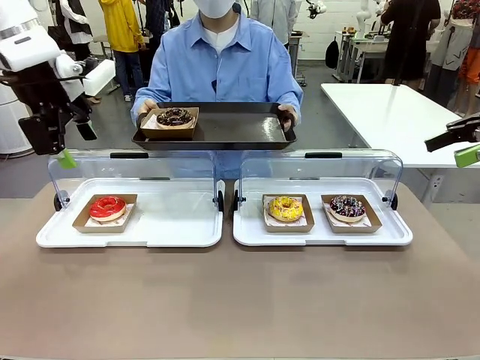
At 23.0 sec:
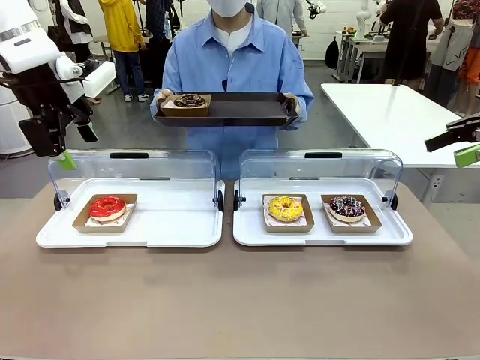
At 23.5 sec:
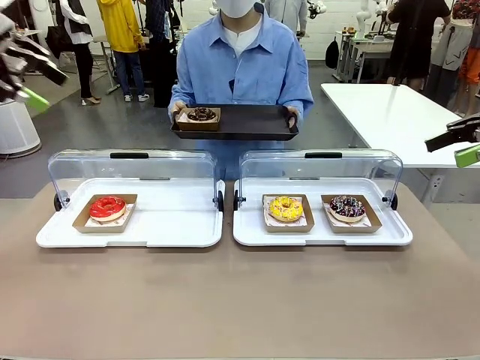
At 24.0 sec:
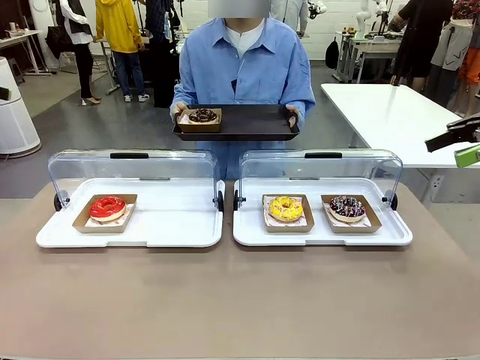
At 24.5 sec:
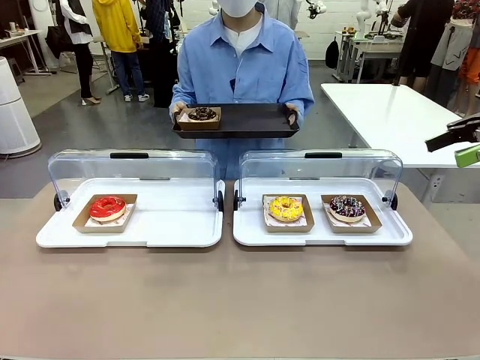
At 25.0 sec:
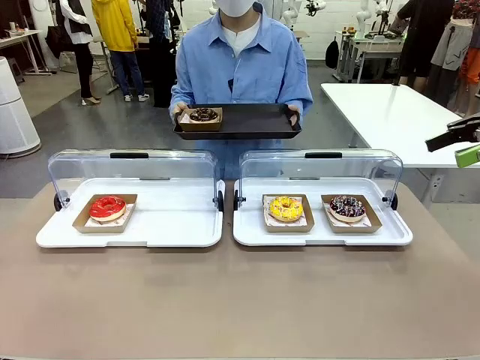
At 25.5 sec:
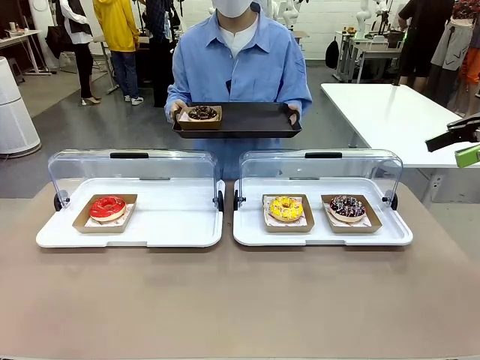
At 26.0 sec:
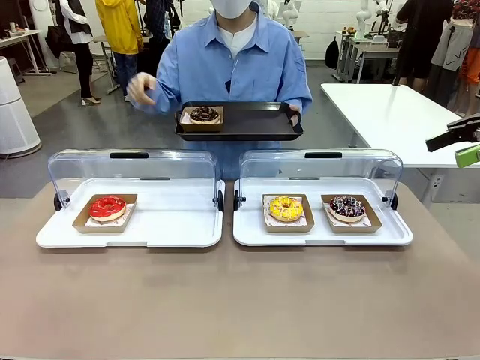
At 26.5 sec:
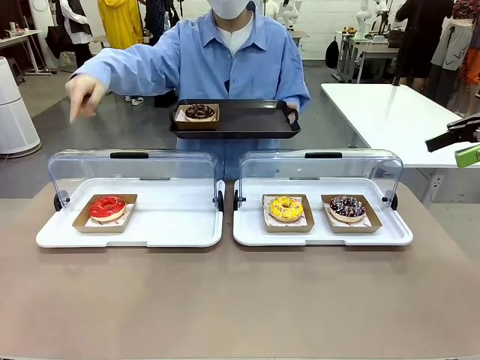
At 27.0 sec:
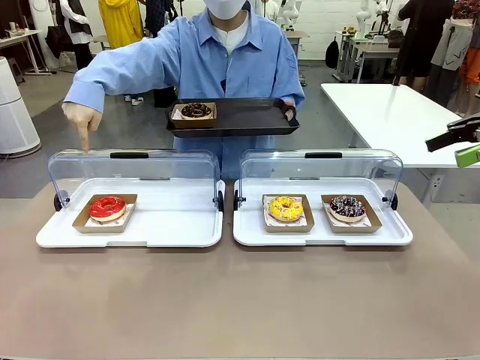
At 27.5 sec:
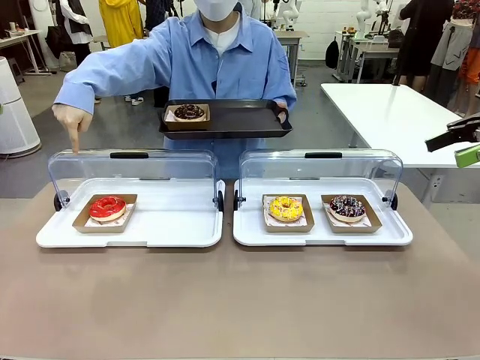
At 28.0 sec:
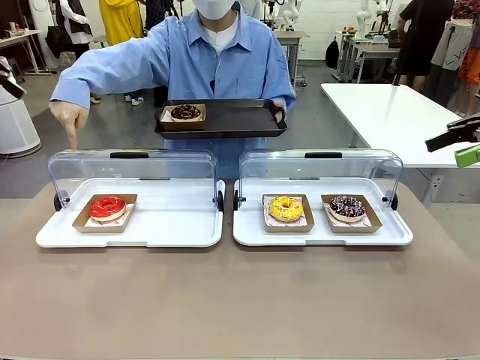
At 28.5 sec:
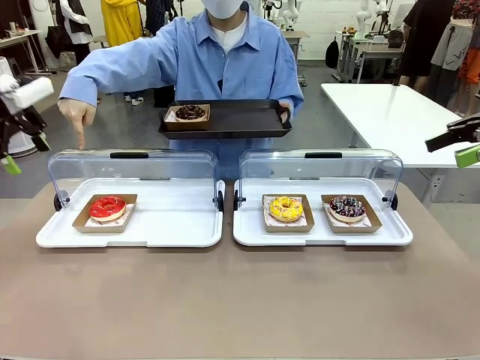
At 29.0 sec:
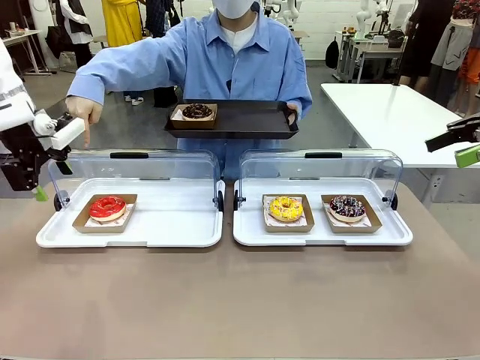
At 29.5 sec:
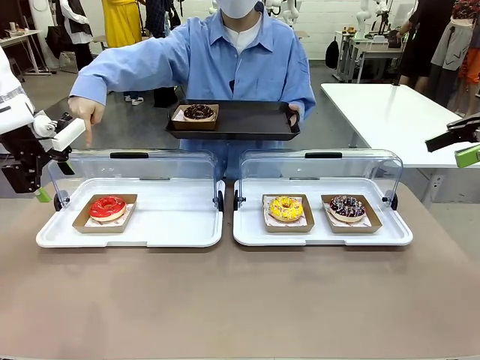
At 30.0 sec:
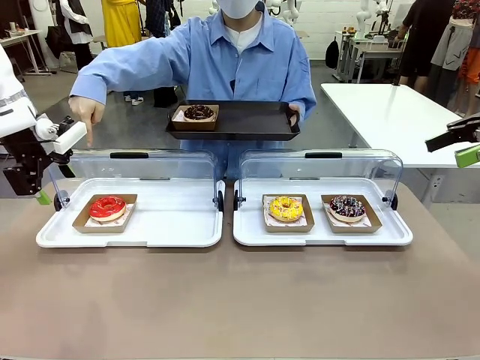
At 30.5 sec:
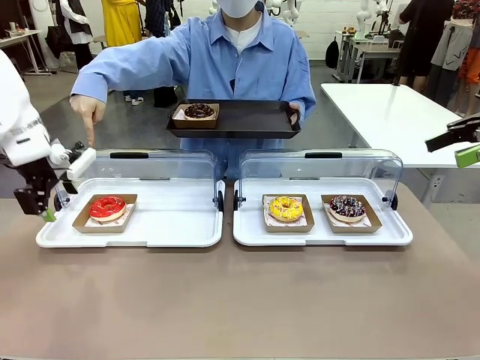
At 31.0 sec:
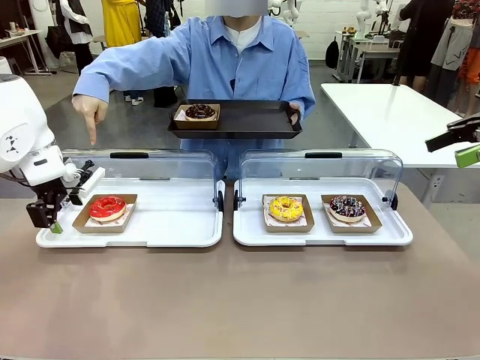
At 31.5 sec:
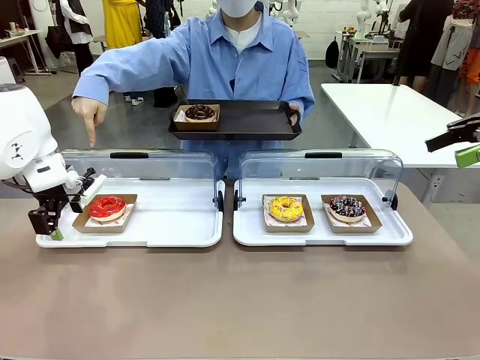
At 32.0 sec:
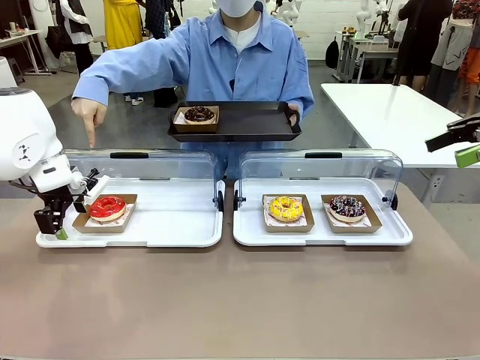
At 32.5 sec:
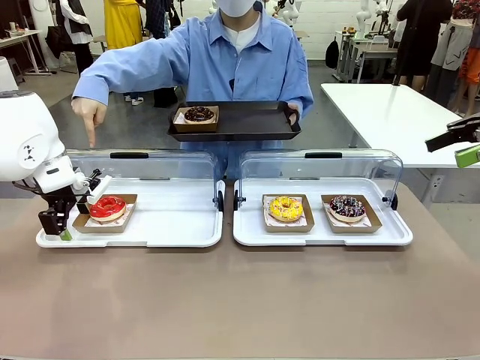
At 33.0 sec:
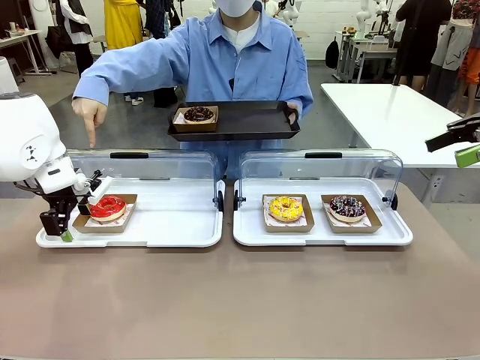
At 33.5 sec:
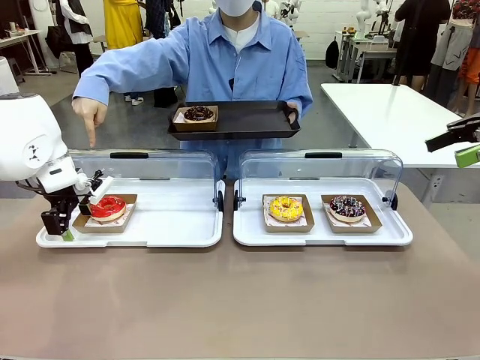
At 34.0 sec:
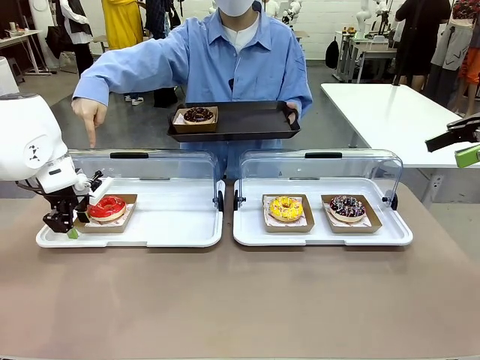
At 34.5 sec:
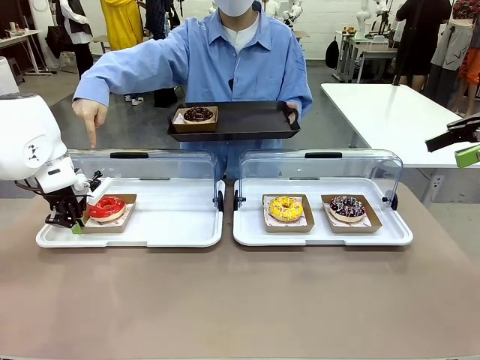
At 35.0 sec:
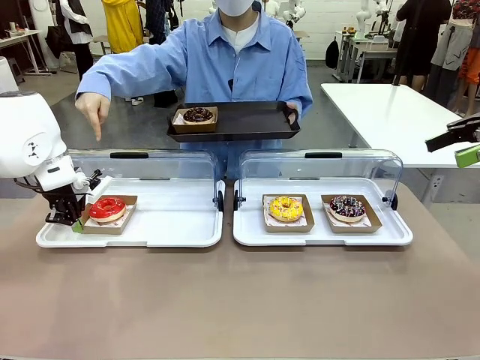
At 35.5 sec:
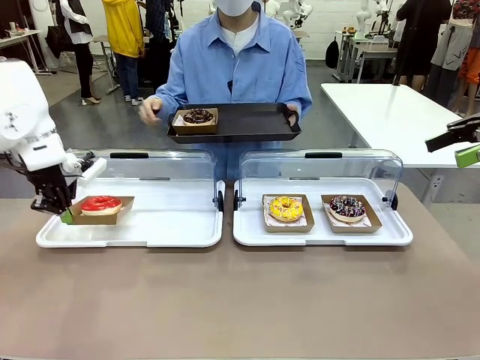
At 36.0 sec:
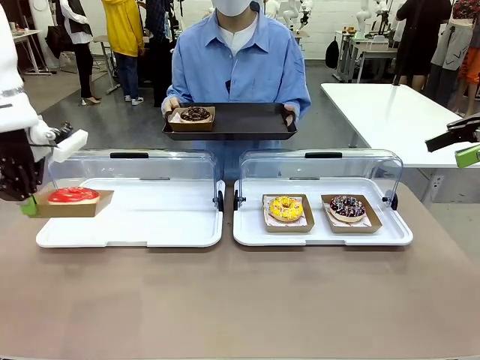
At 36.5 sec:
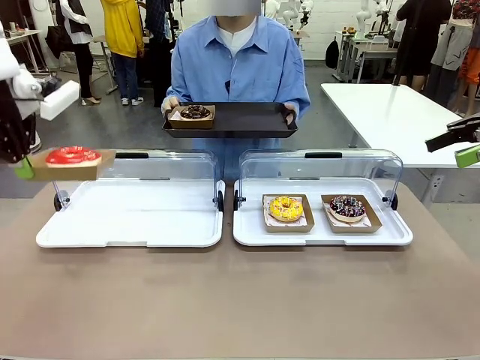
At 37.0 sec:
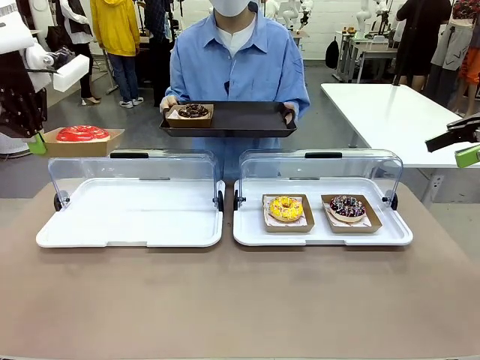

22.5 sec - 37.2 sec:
Task: Provide the desired donut to the person.
Robot: Pick up and lift the Paper togo box containing the Donut pointed at by the person.
Person: Point to one donut. Lift the tray onto the Roll-Top Bakery Case.

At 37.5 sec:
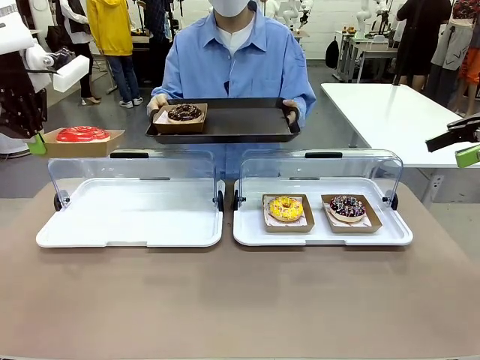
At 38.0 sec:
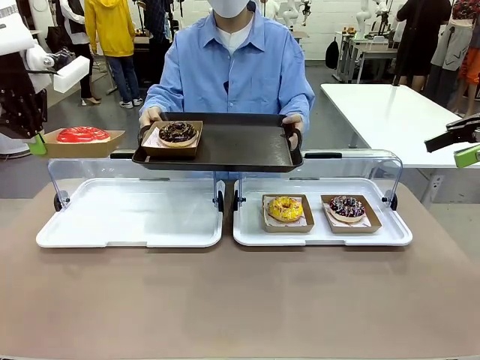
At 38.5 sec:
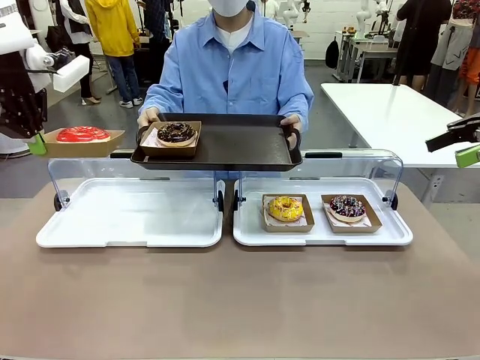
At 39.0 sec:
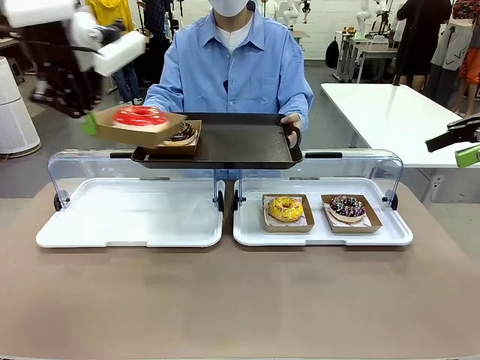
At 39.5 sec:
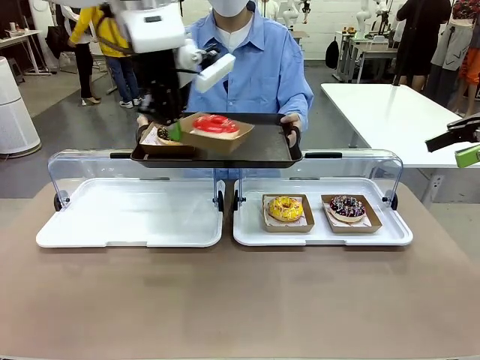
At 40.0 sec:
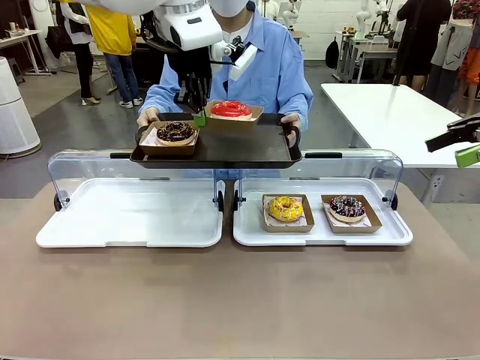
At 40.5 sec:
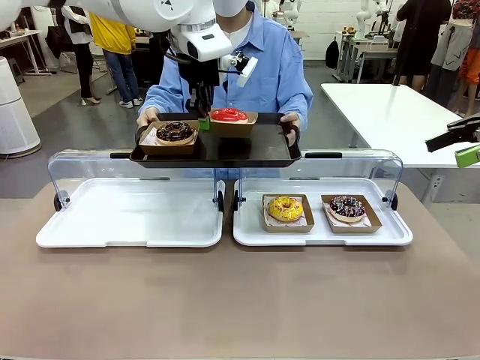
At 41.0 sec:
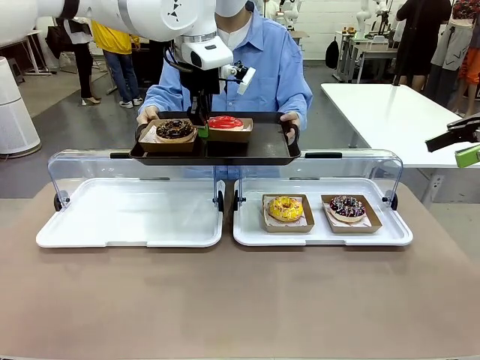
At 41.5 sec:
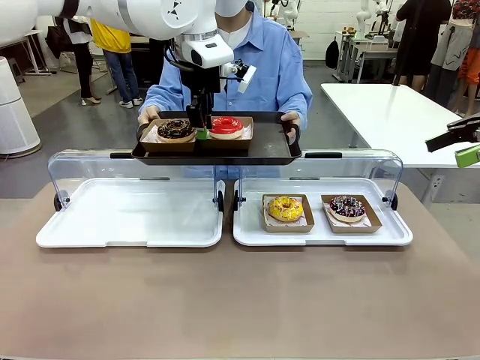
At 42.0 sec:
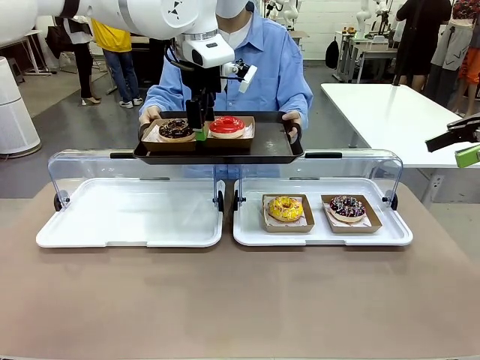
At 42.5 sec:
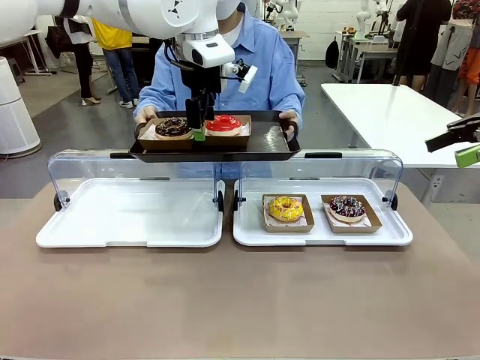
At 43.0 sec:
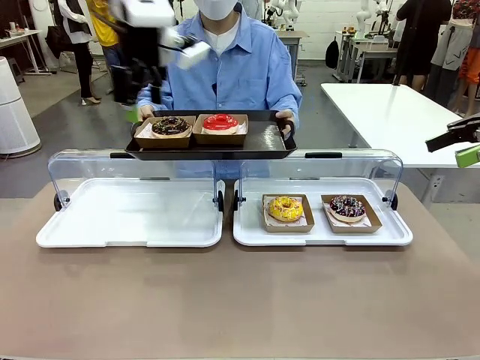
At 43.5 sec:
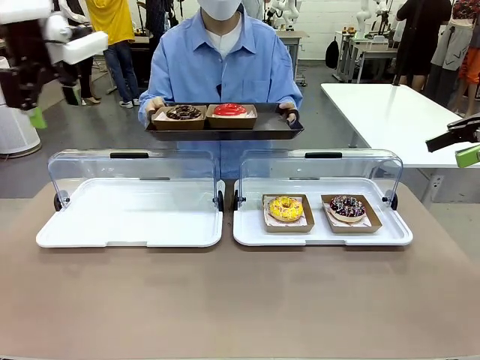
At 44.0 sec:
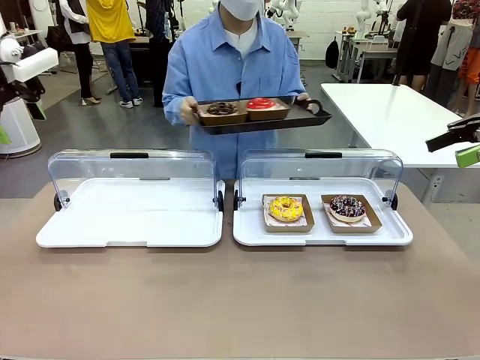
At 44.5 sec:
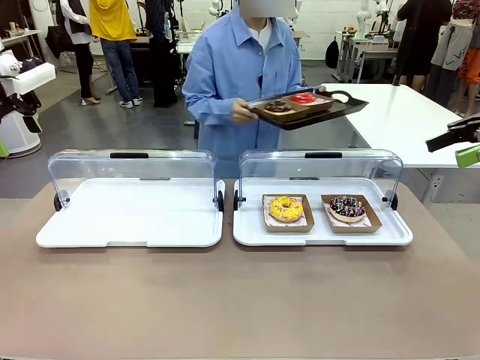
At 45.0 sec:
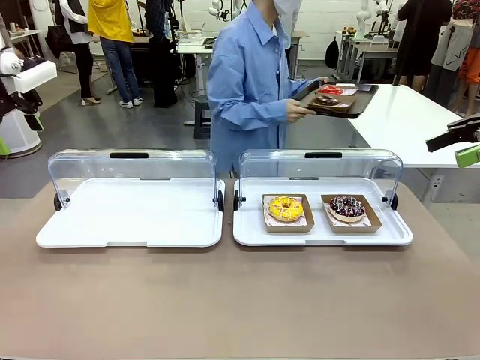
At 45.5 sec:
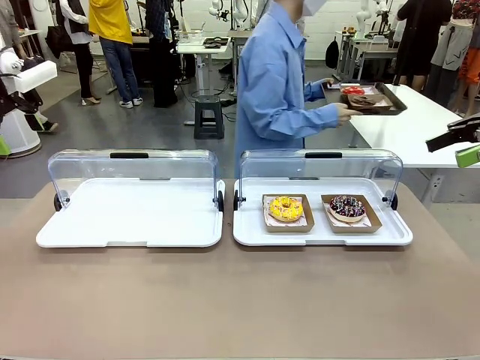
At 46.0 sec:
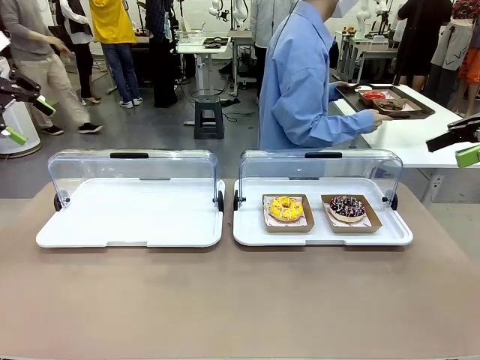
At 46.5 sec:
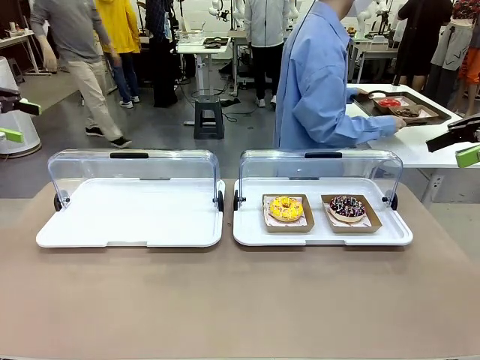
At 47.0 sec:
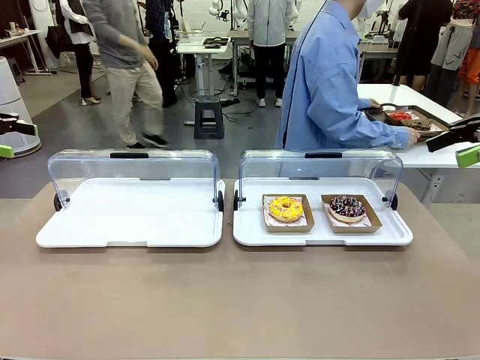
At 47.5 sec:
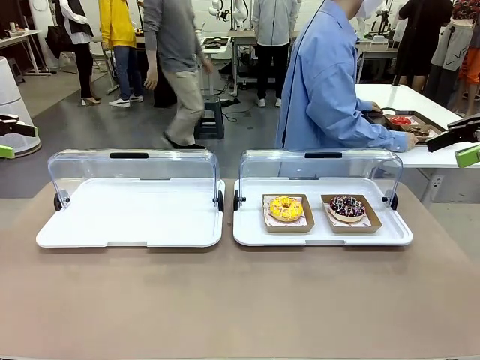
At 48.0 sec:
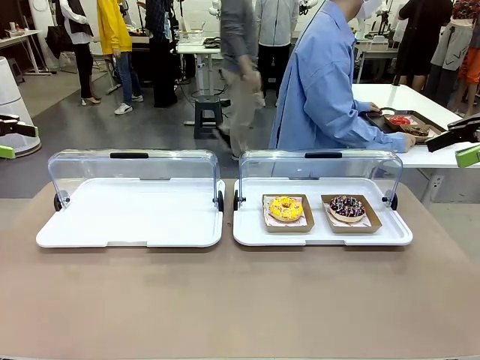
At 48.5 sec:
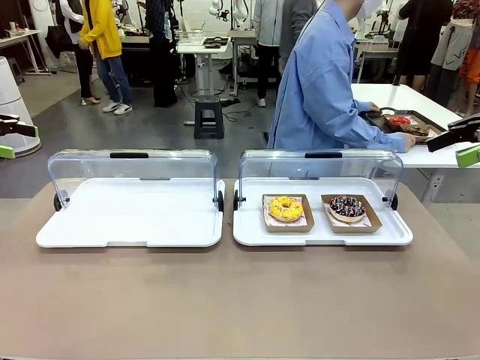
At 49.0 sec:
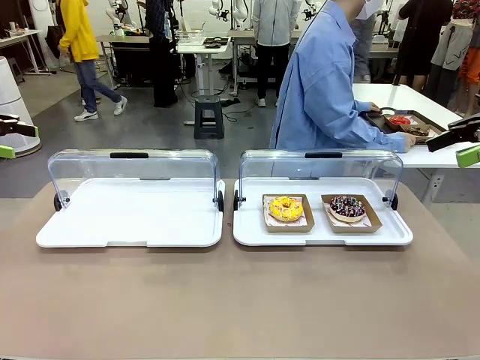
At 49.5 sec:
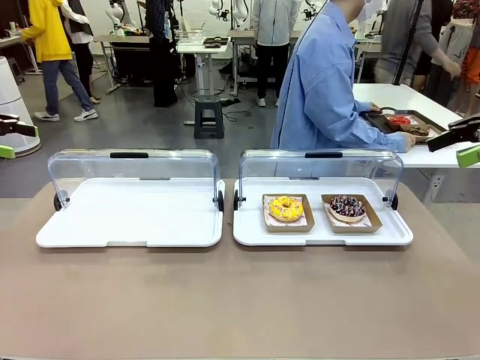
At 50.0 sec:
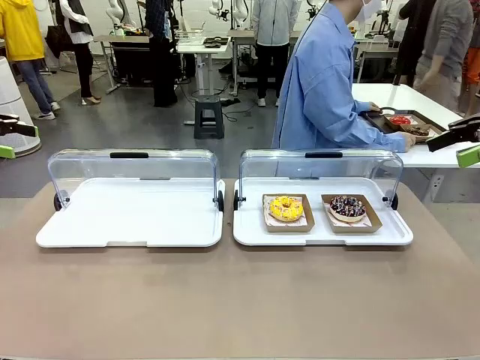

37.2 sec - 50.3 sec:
Robot: Place the picked Paper togo box onto the Handle tray extended by the person.
Person: Place the tray in the middle of the human table.
